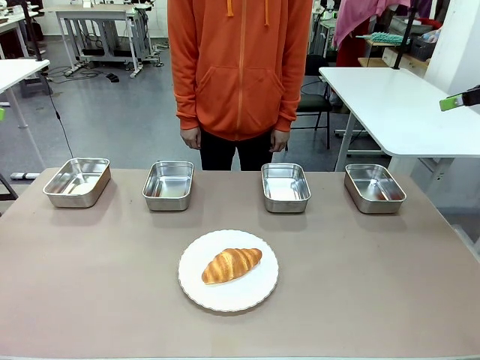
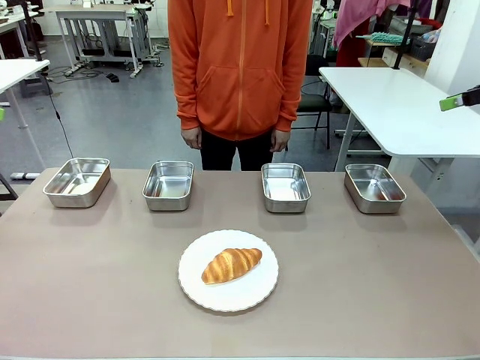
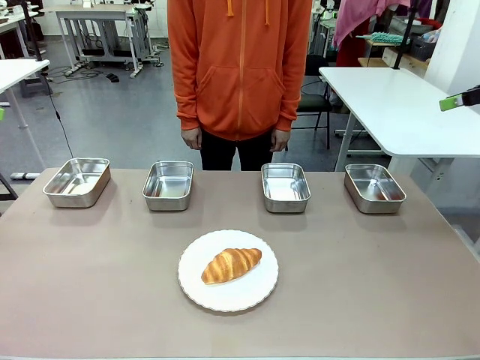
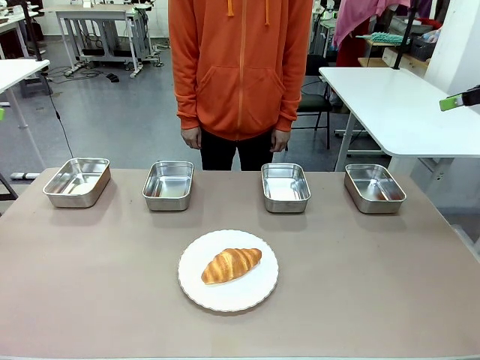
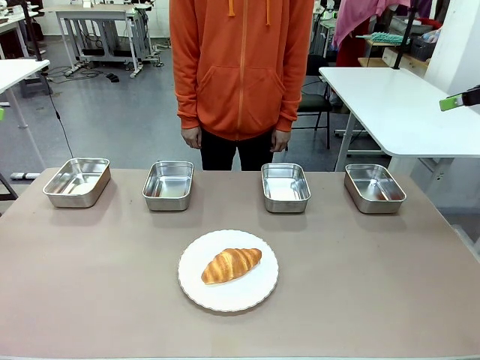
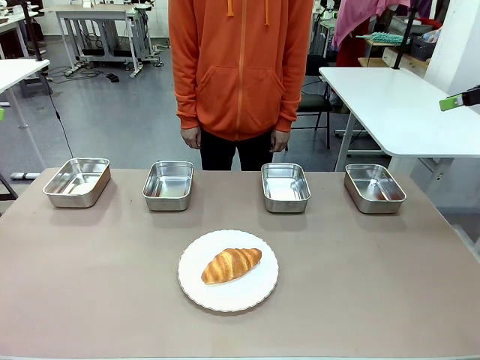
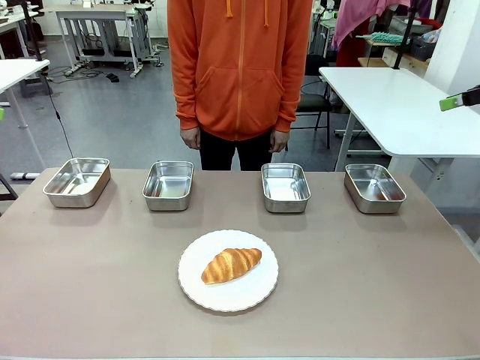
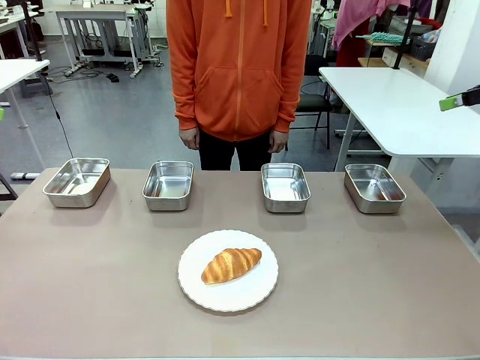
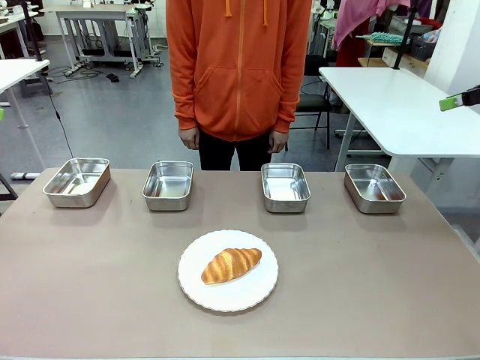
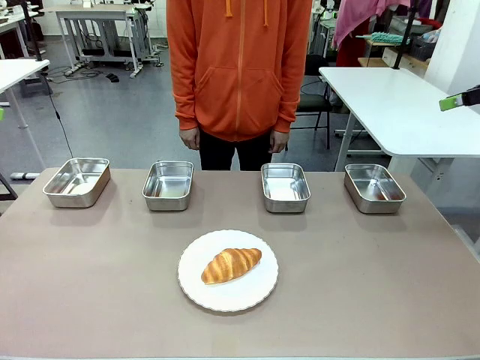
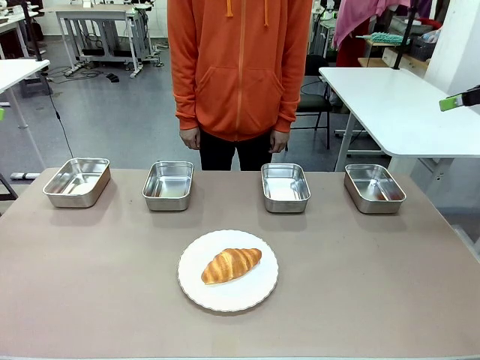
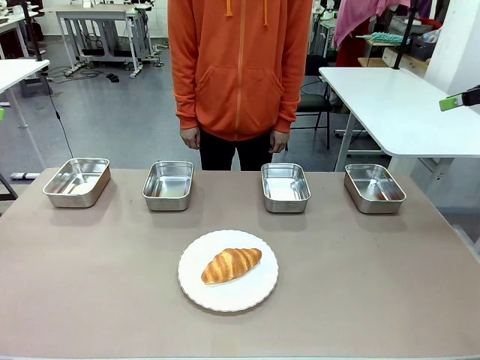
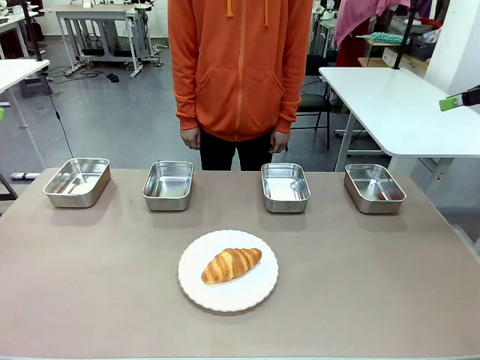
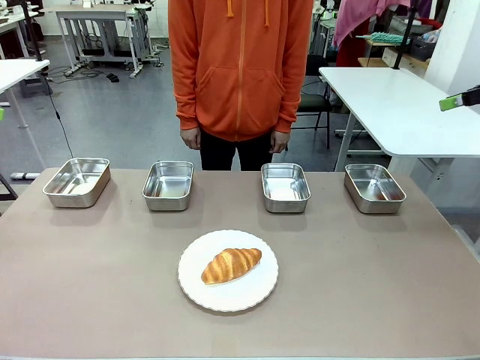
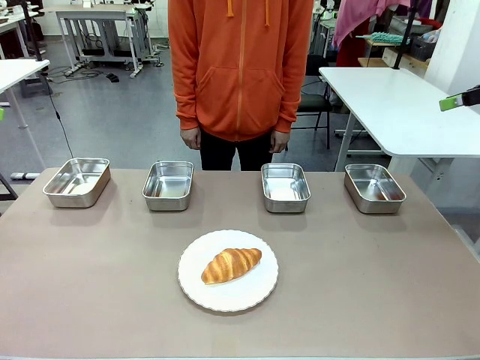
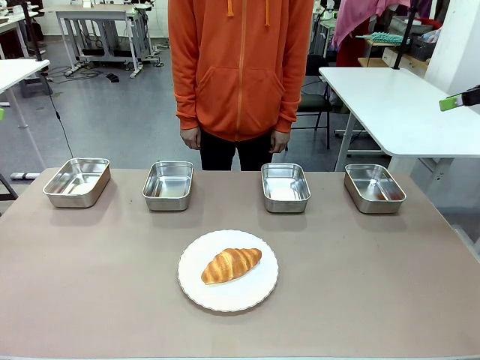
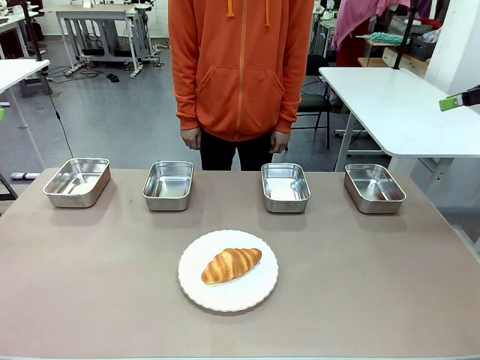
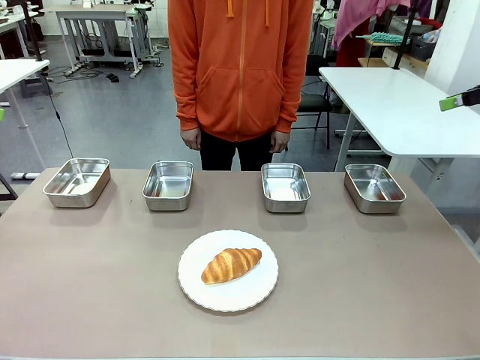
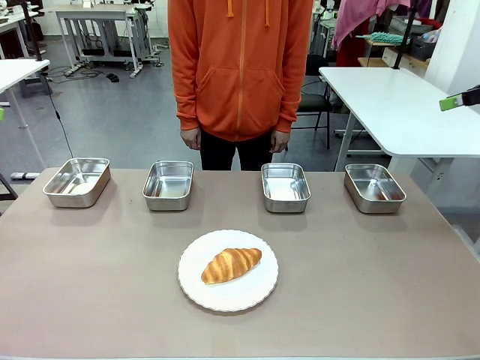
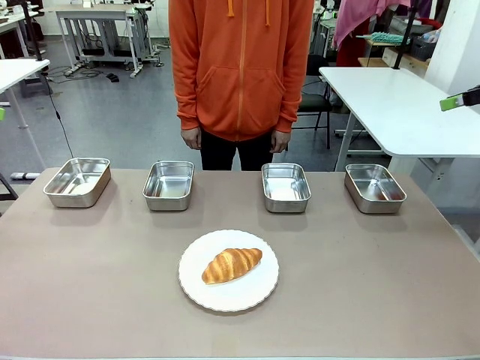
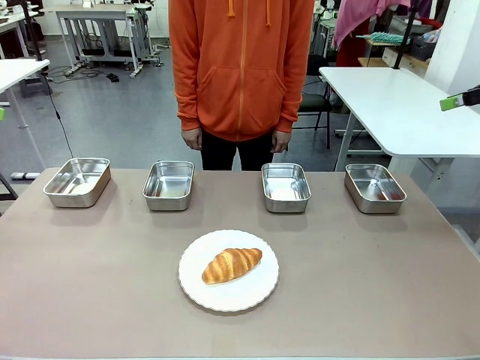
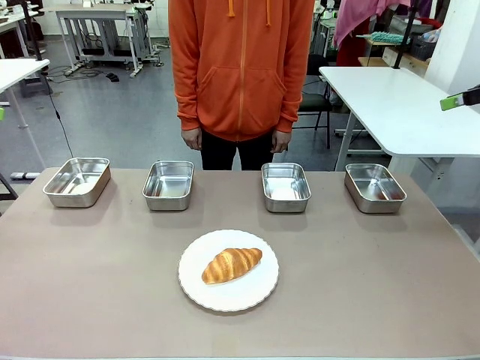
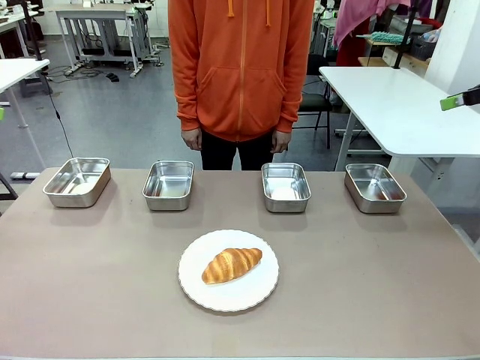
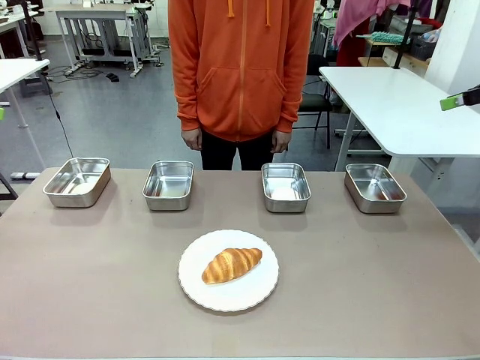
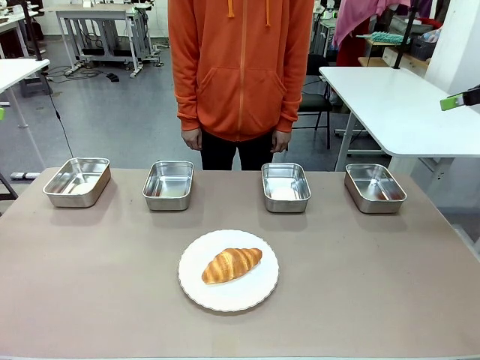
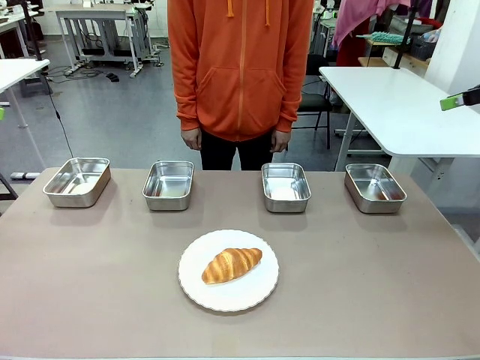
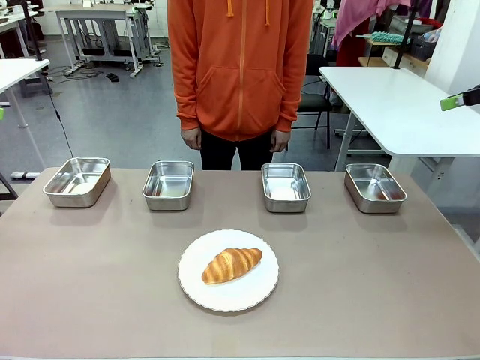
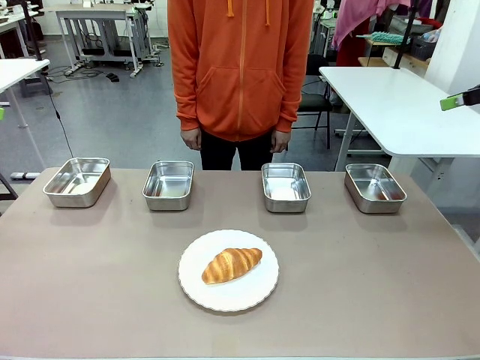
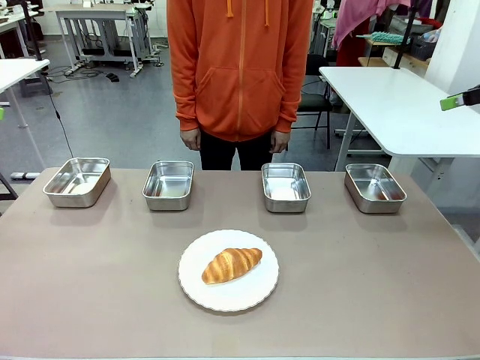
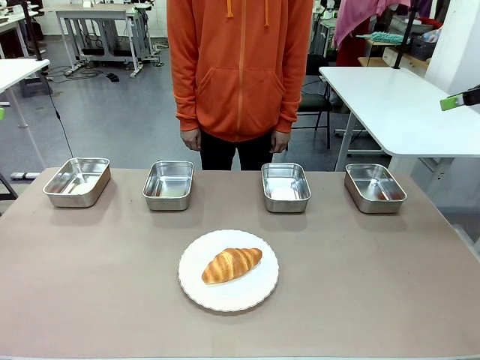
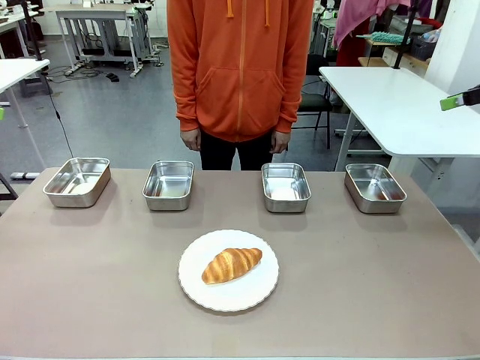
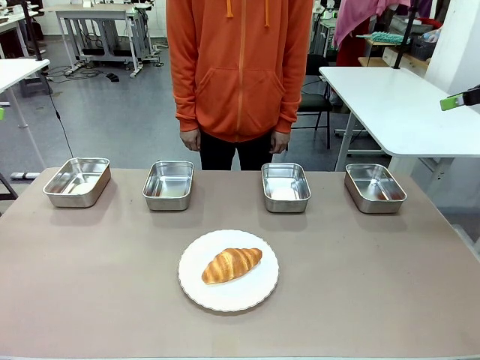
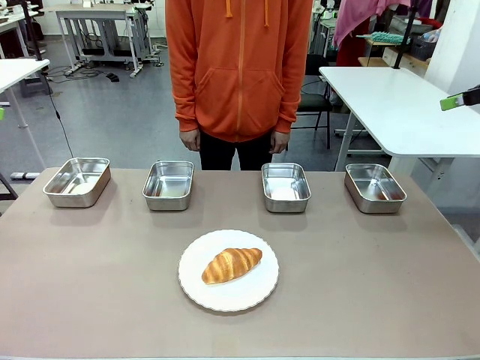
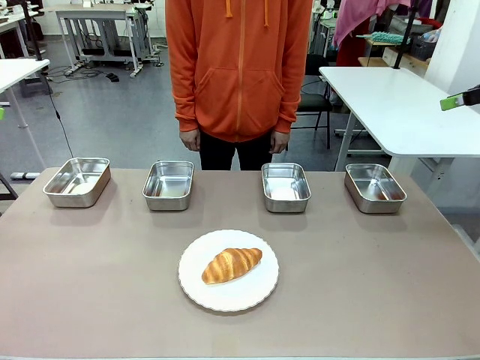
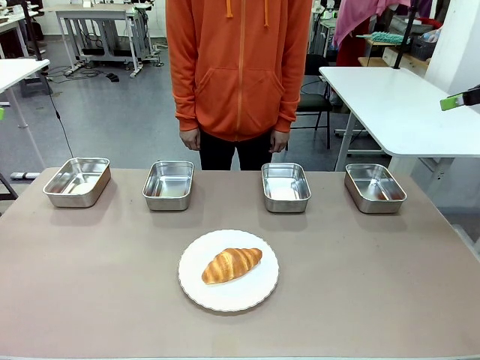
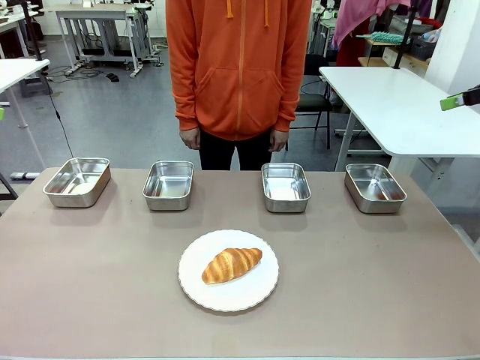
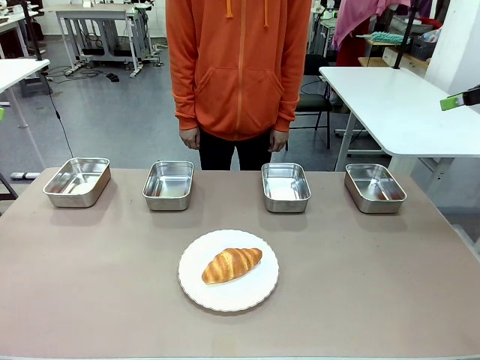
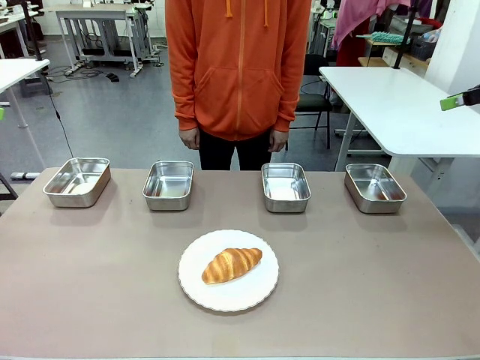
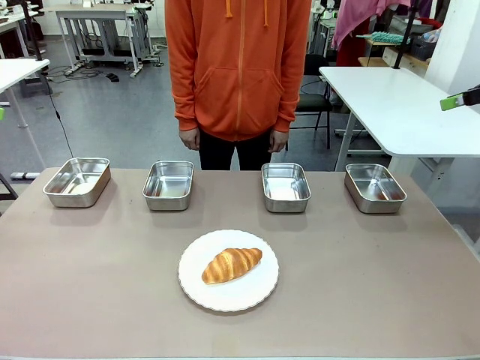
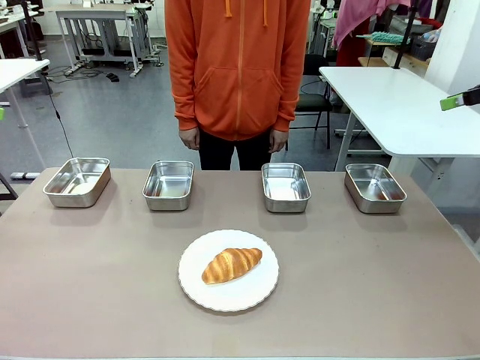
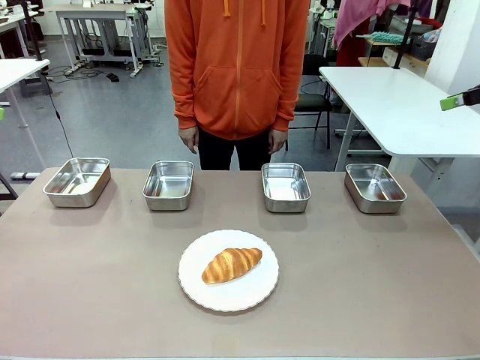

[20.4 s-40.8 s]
Task: Place the bread in the container.
Robot: Place the Butter Roll into the Airtight Container indicated by the human.

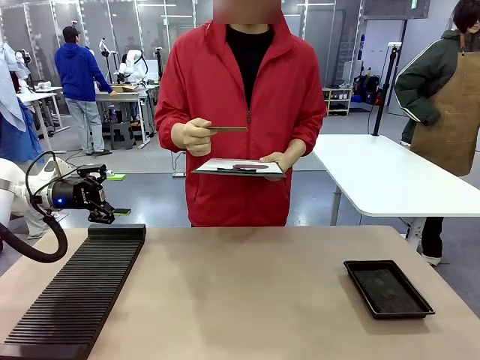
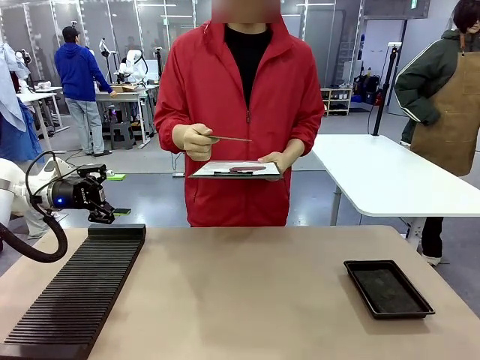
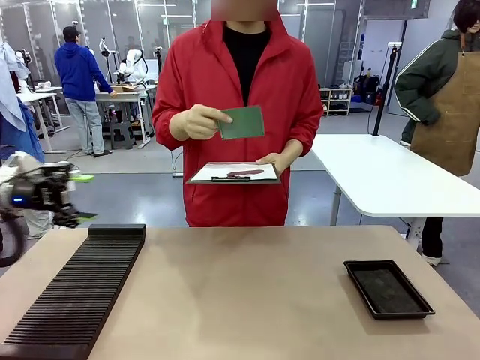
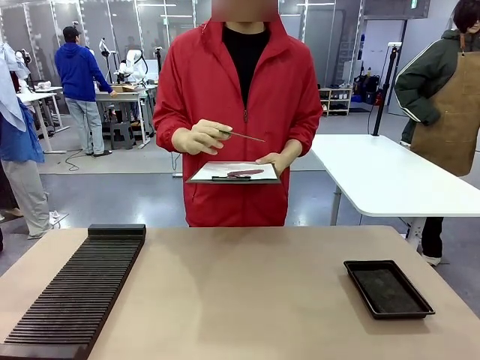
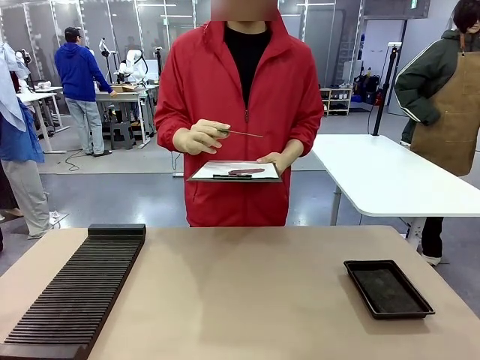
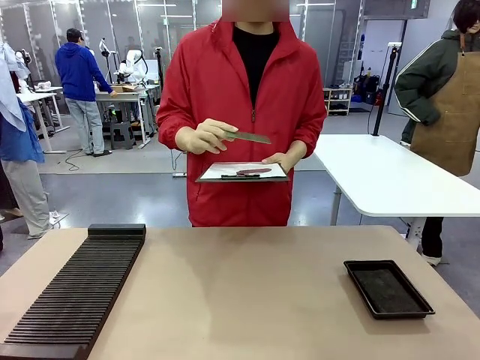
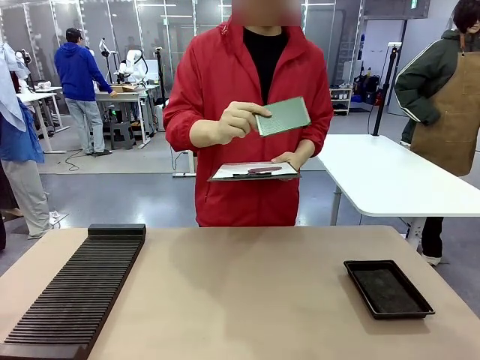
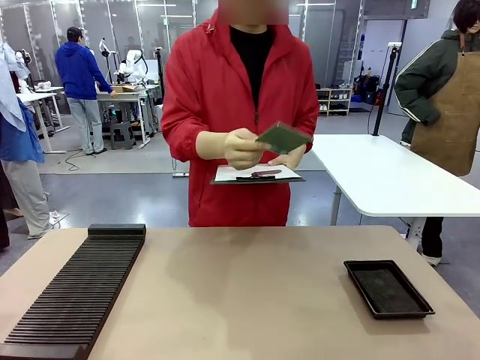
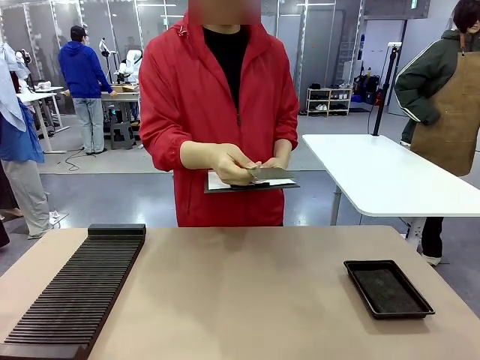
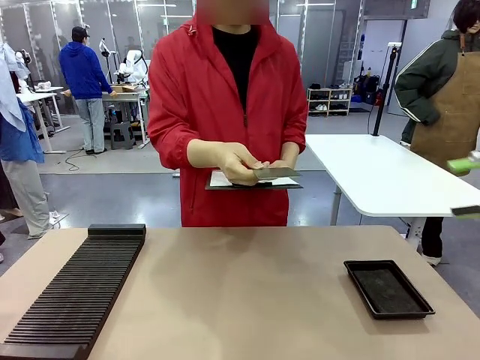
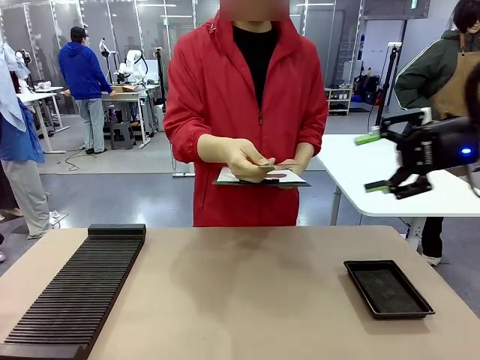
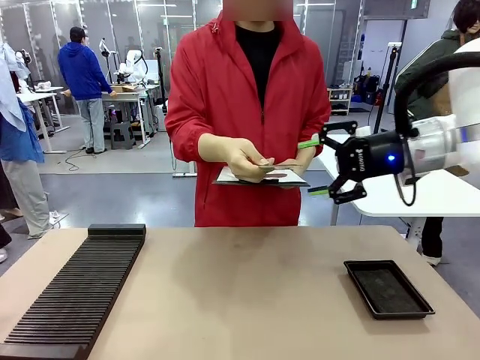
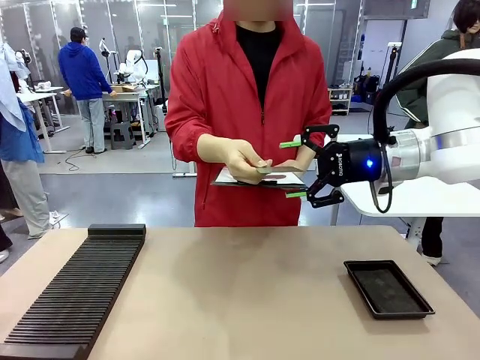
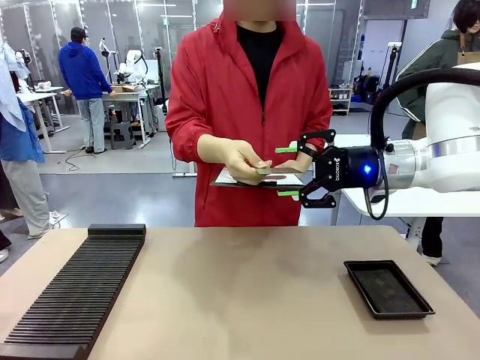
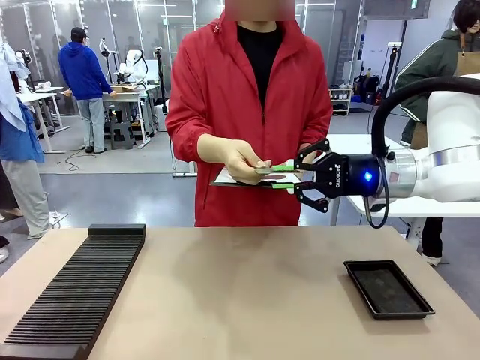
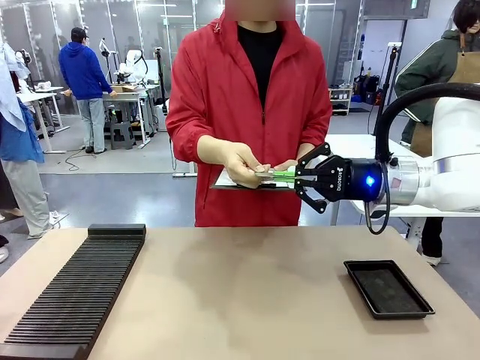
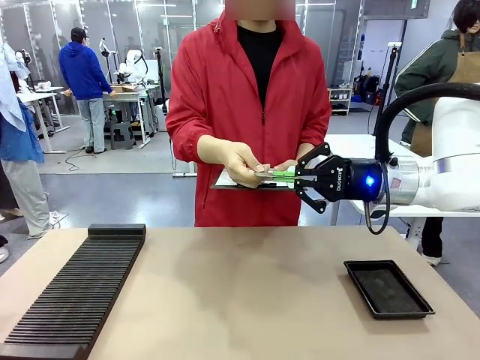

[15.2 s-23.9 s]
Task: Inspect the PCB.
Robot: Pick up the Blank PCB that the human is holding.
Person: Inspect the PCB placed by the robot, then hold it out in front of the robot. Release the PCB you were holding.
